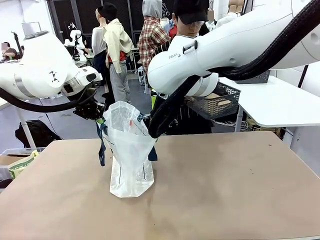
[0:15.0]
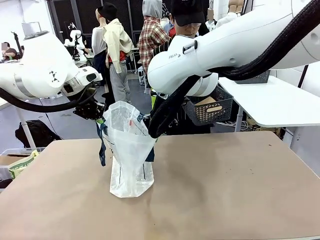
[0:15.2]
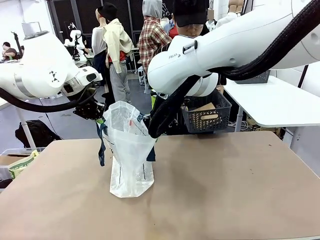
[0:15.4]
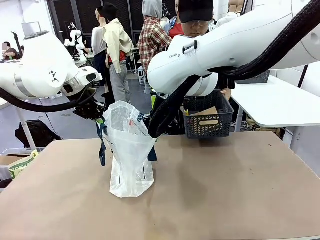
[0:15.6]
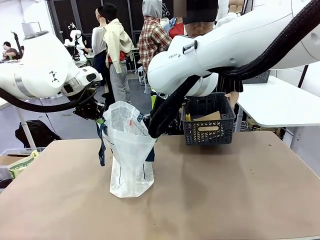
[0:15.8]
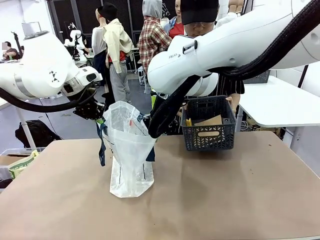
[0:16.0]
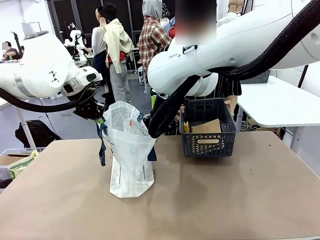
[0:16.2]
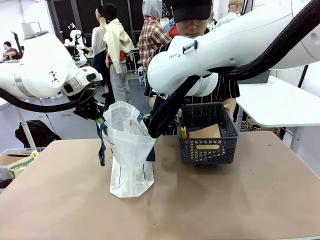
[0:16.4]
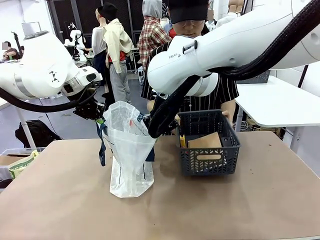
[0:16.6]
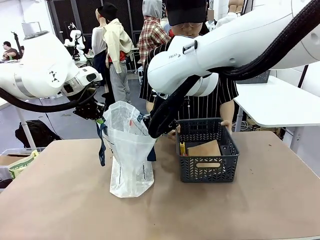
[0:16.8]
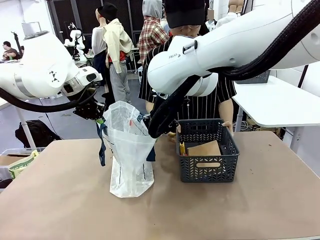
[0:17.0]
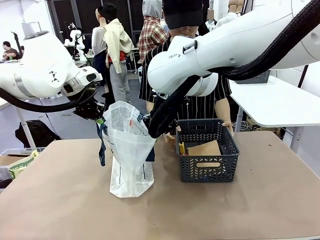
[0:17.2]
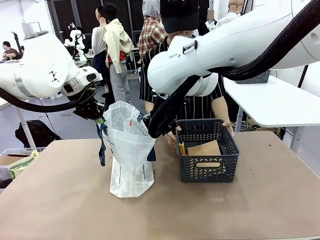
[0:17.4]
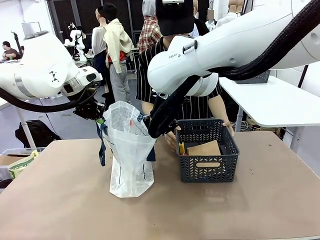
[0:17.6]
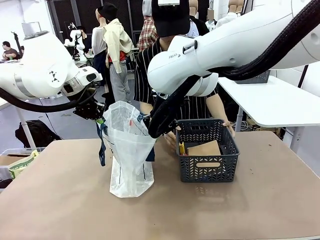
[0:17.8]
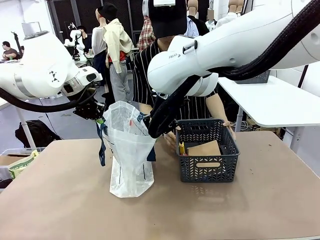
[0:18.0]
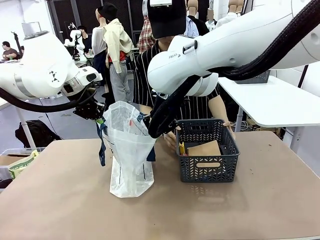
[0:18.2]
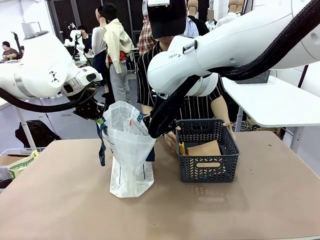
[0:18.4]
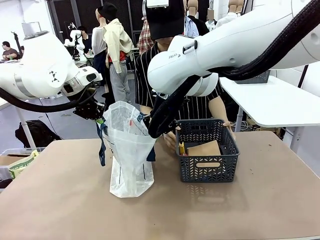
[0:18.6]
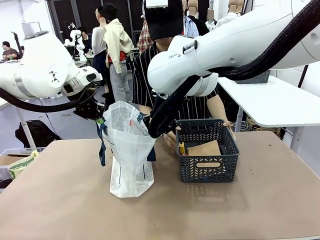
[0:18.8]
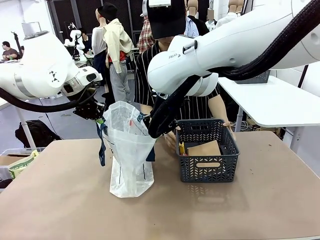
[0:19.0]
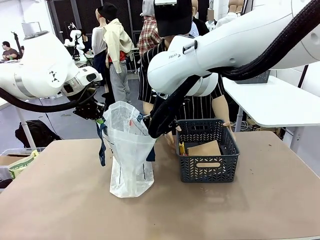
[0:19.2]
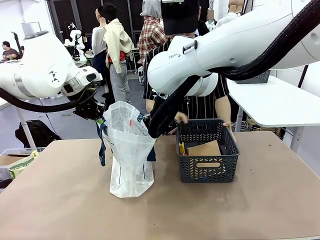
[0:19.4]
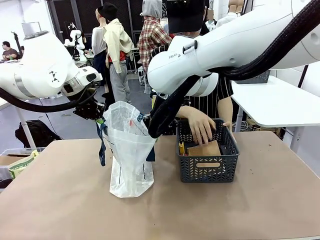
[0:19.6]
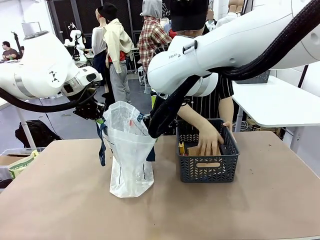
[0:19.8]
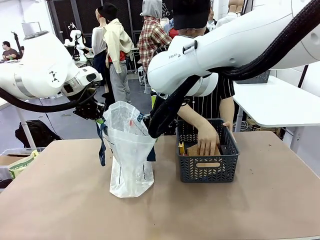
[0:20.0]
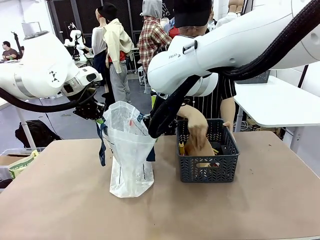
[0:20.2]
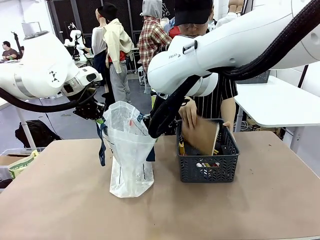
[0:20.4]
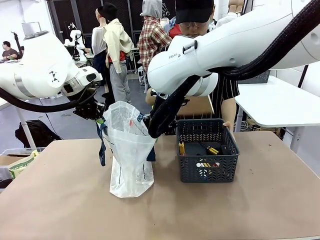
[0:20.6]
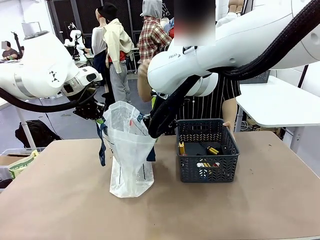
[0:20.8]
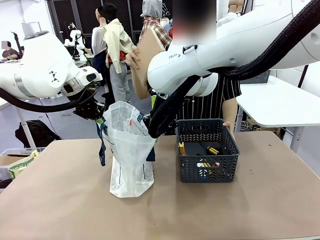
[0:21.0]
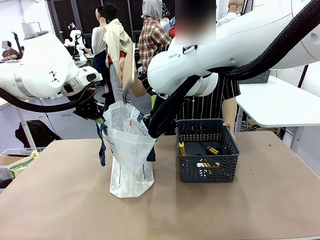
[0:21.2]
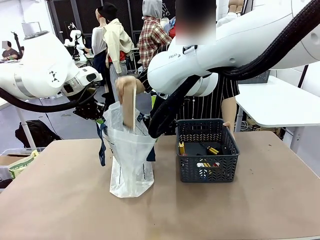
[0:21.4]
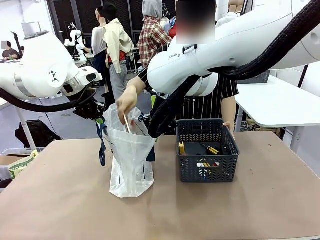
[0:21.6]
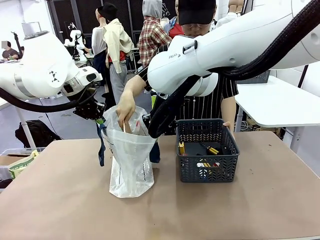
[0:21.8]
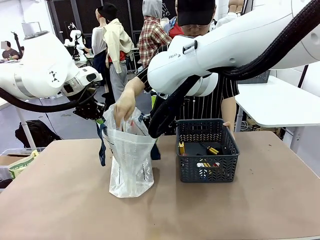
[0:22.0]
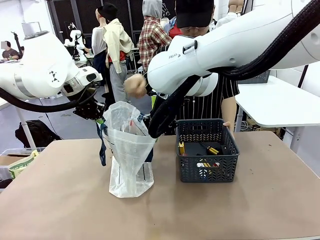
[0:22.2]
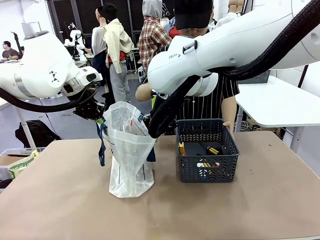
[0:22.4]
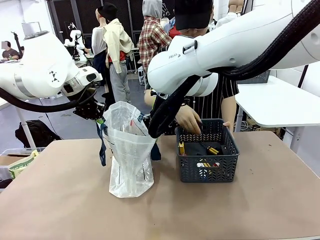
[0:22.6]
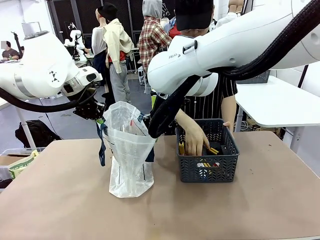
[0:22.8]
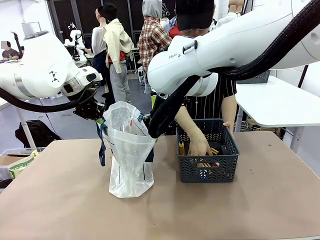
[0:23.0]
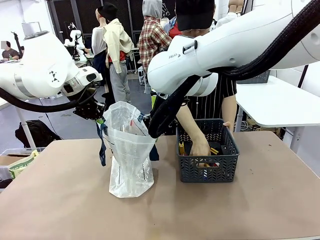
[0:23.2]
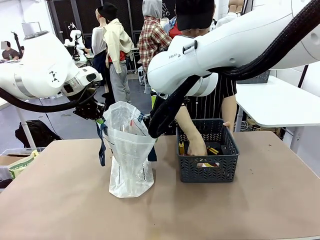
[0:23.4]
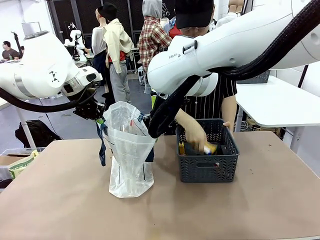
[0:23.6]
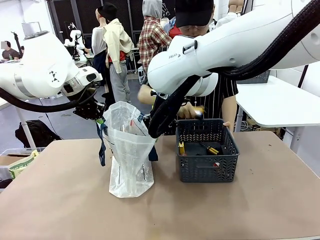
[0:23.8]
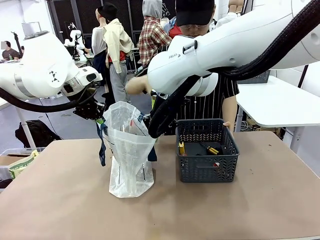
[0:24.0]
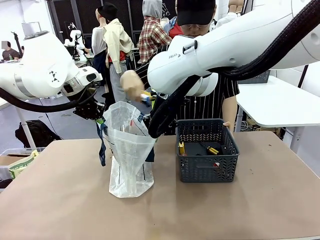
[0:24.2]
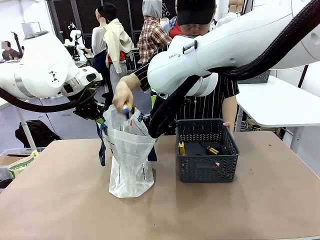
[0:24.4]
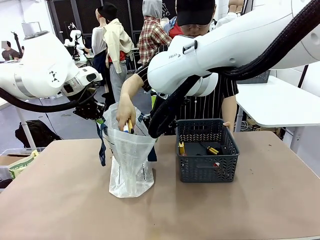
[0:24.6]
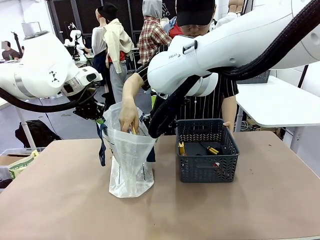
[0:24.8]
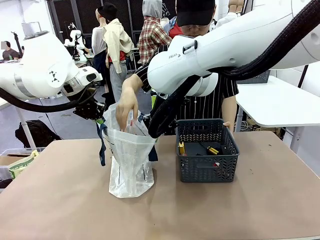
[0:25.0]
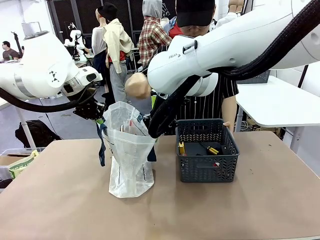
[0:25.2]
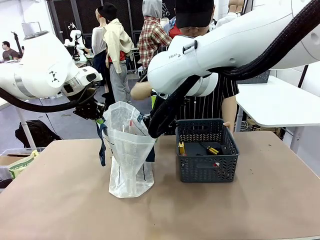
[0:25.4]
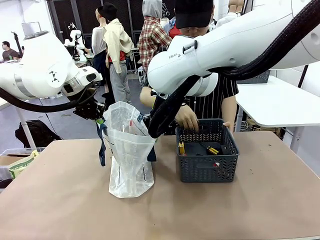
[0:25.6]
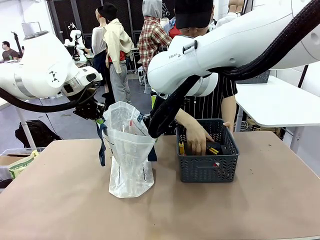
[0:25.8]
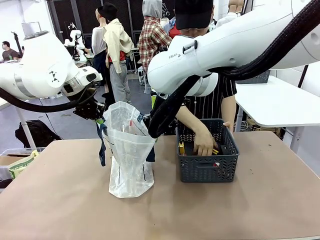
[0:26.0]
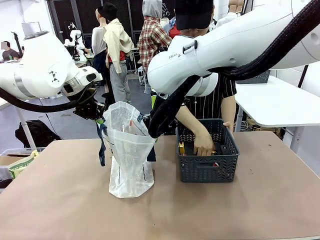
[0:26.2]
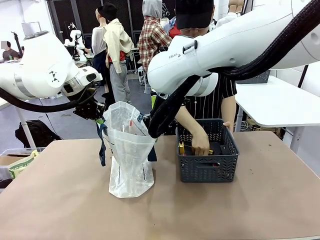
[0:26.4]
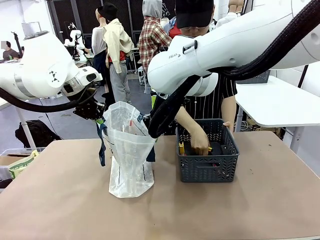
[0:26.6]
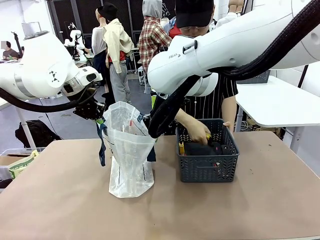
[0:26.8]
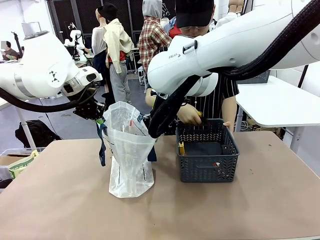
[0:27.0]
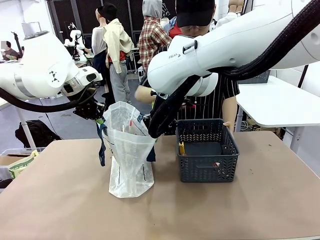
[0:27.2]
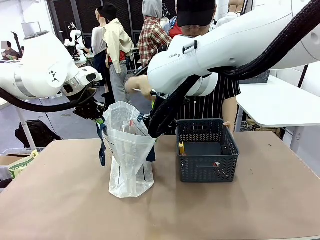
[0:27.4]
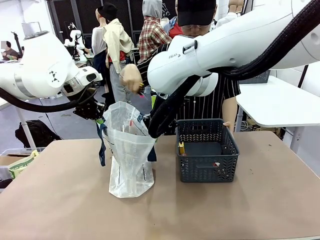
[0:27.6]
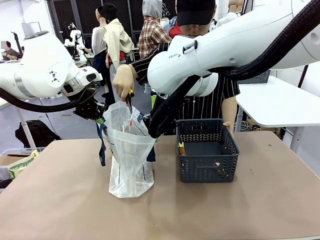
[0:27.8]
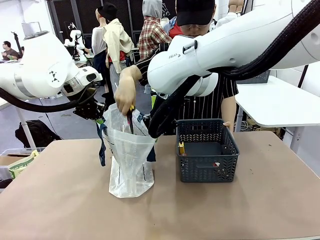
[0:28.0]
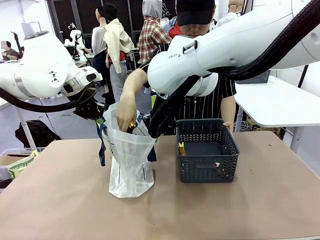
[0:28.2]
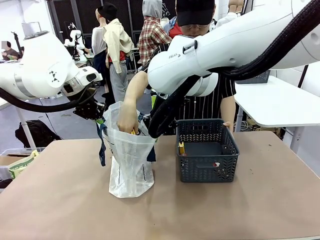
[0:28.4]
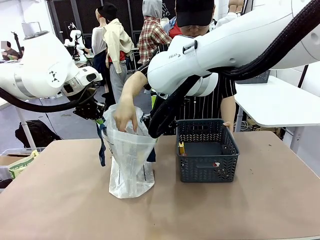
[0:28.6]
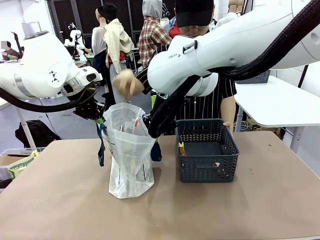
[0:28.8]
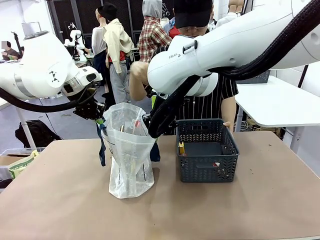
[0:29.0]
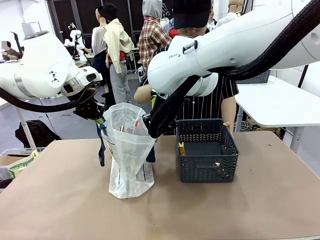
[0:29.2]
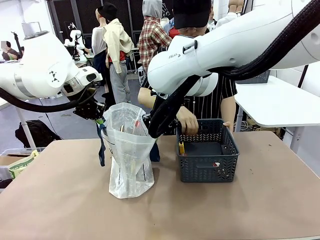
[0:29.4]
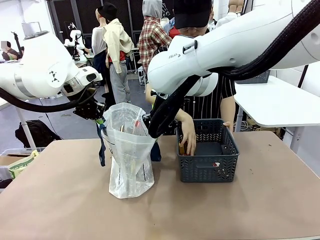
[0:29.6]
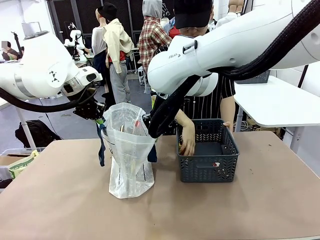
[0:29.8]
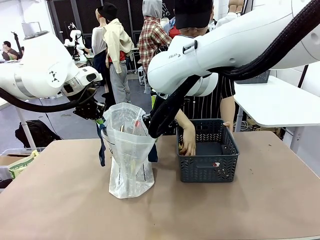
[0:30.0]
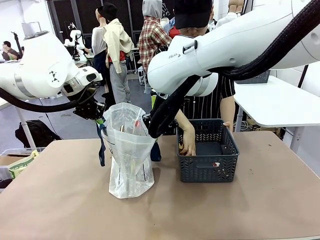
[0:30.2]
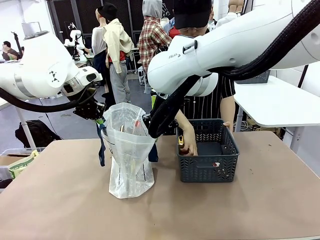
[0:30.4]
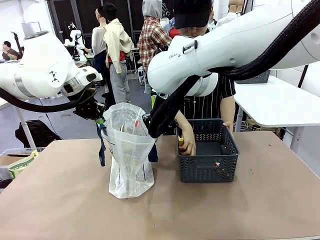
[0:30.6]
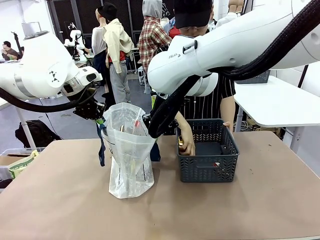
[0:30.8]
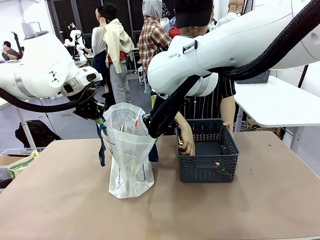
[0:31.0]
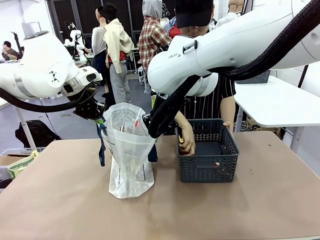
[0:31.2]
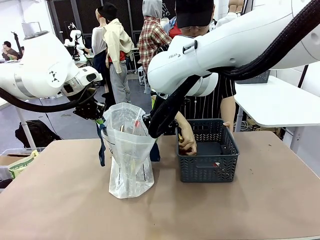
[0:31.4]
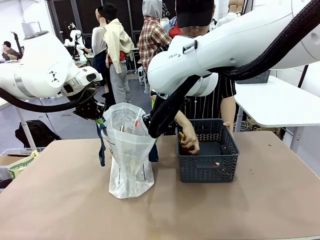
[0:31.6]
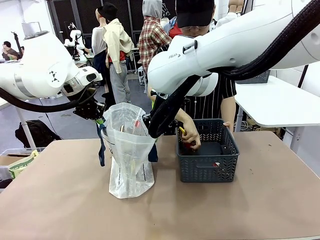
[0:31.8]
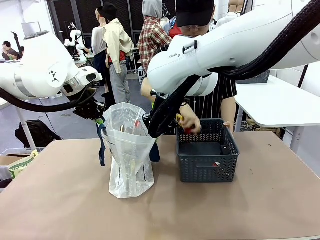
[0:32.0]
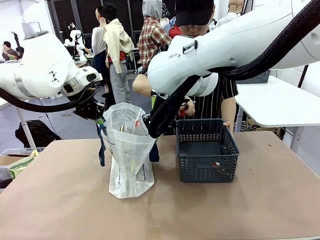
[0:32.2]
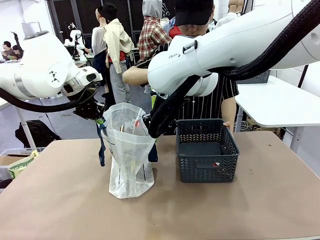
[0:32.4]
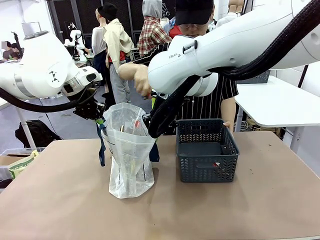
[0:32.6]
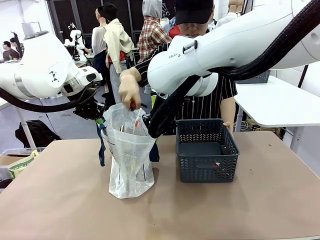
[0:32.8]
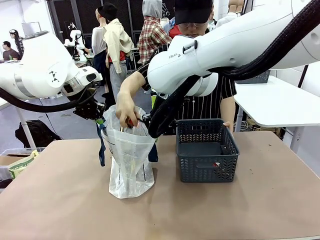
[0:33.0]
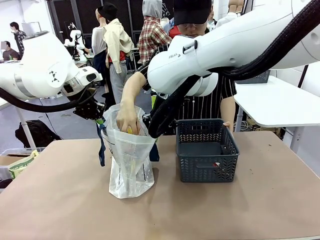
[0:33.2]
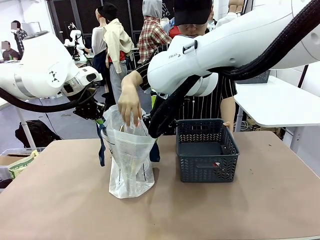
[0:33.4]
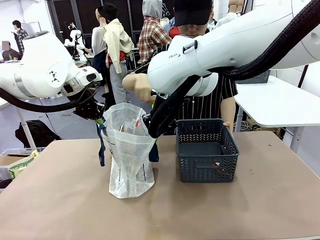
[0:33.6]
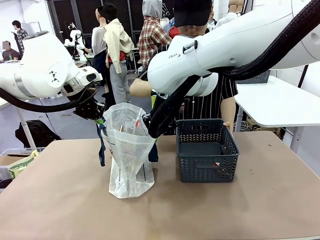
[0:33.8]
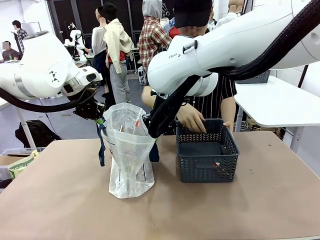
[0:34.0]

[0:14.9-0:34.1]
Task: Transfer purchased items from the store into the shopping bag.
Robot: Move the Reusable shopping bag to the right side of the table.
Person: Pick up the basket with the items out and place it on the right side of the human table.
